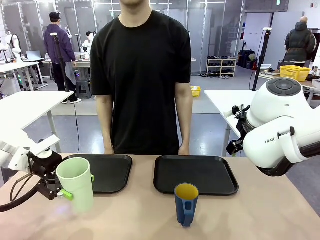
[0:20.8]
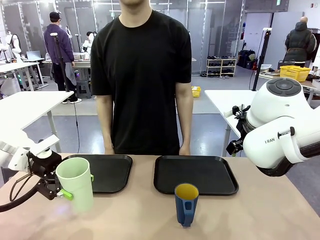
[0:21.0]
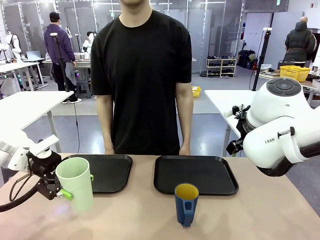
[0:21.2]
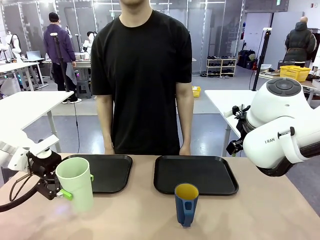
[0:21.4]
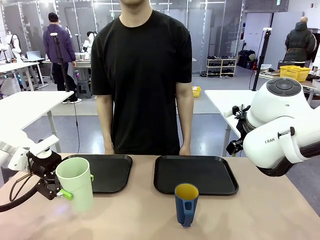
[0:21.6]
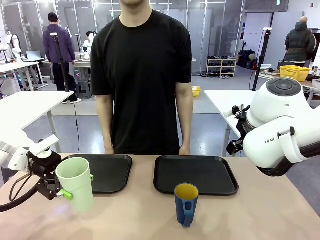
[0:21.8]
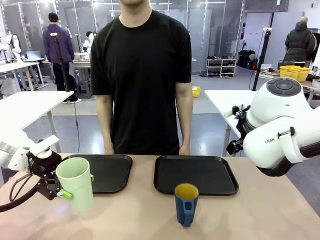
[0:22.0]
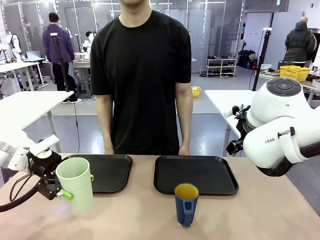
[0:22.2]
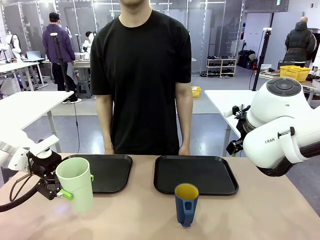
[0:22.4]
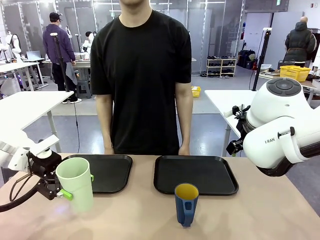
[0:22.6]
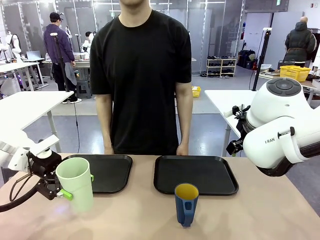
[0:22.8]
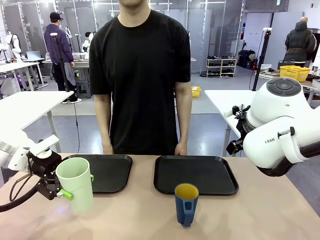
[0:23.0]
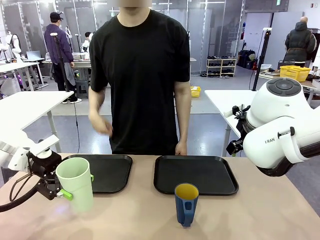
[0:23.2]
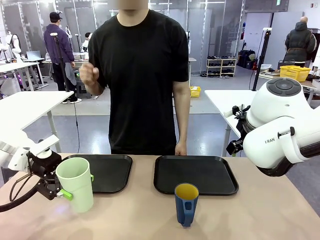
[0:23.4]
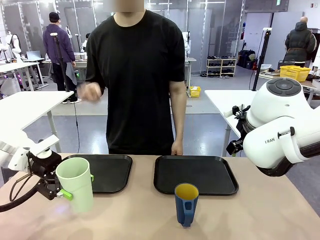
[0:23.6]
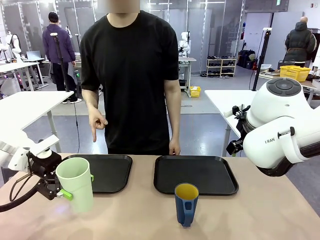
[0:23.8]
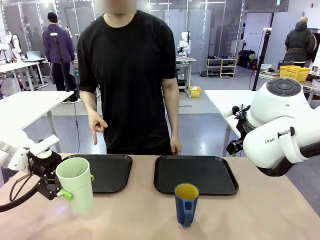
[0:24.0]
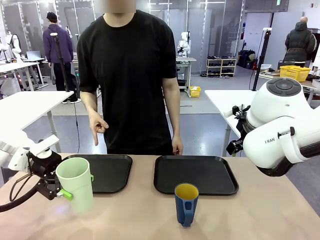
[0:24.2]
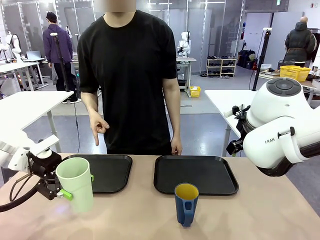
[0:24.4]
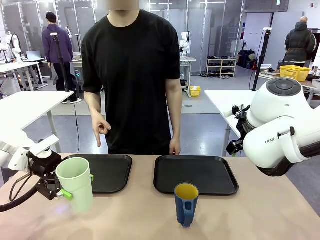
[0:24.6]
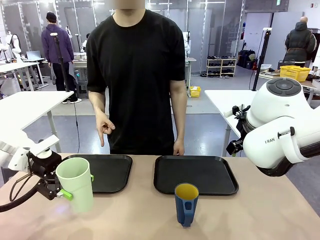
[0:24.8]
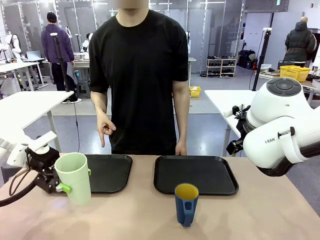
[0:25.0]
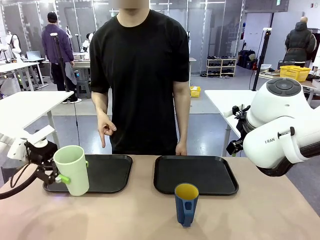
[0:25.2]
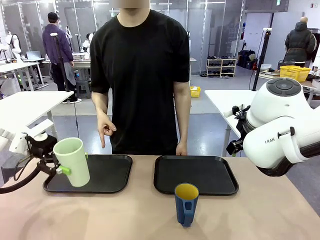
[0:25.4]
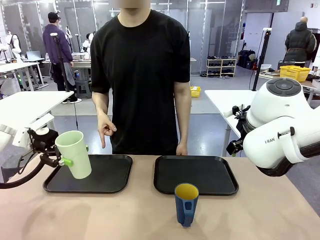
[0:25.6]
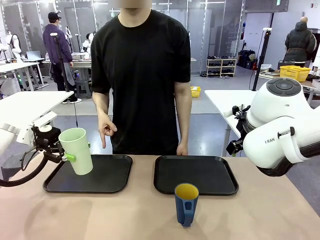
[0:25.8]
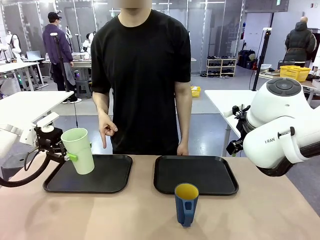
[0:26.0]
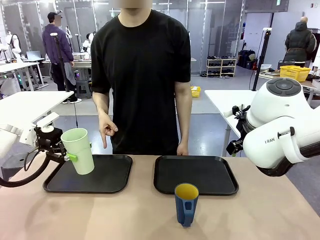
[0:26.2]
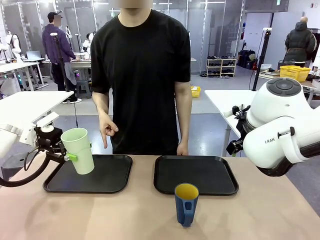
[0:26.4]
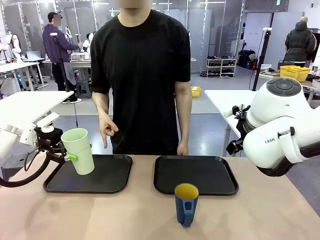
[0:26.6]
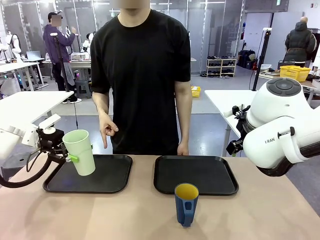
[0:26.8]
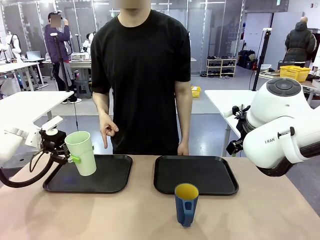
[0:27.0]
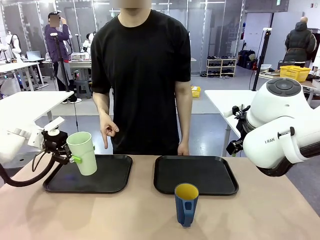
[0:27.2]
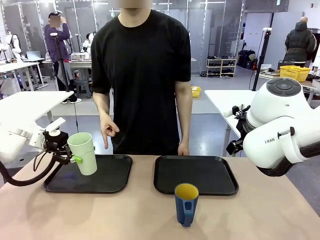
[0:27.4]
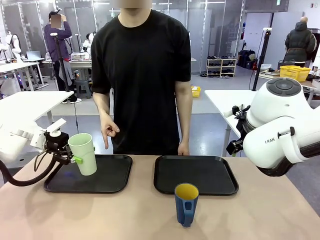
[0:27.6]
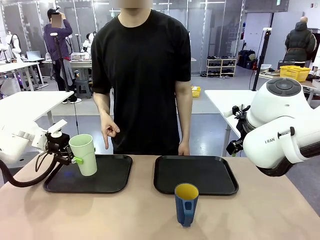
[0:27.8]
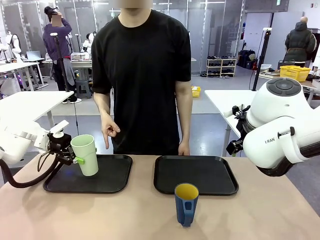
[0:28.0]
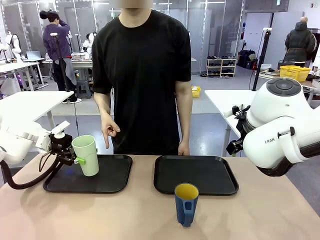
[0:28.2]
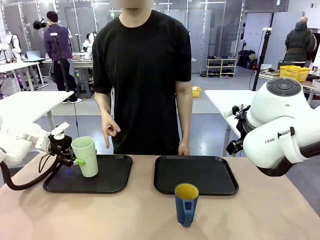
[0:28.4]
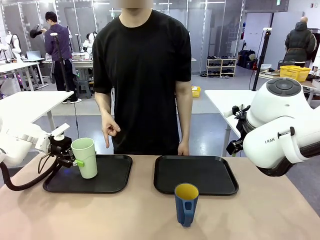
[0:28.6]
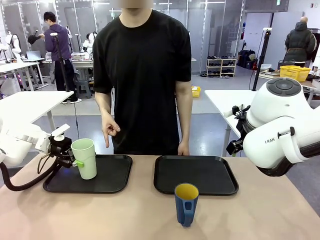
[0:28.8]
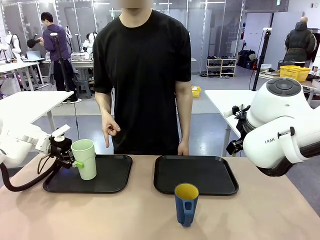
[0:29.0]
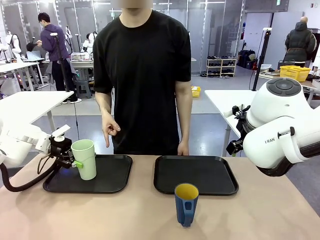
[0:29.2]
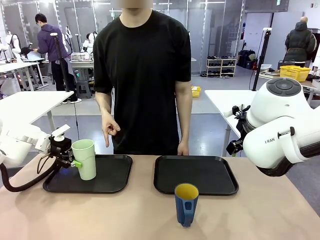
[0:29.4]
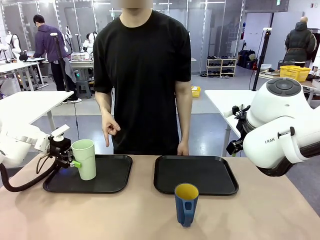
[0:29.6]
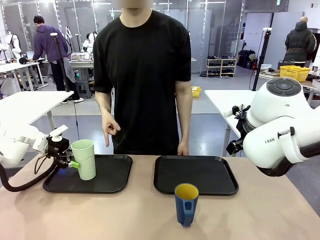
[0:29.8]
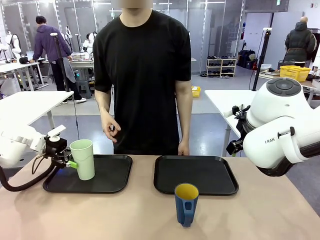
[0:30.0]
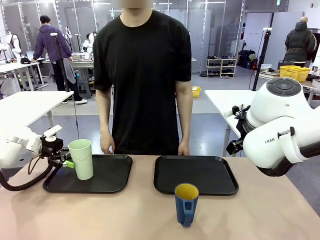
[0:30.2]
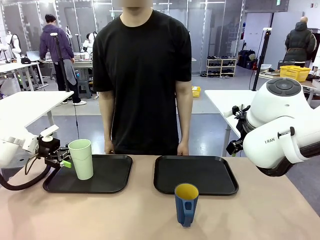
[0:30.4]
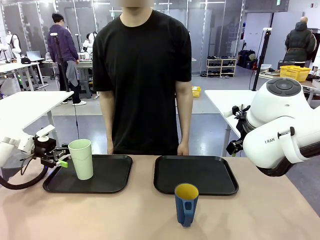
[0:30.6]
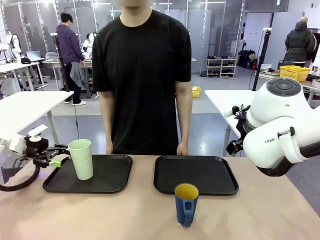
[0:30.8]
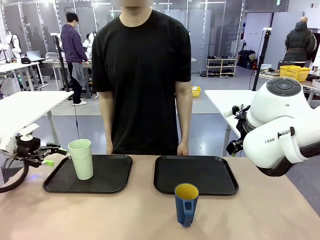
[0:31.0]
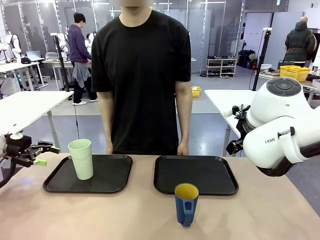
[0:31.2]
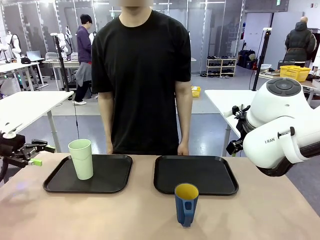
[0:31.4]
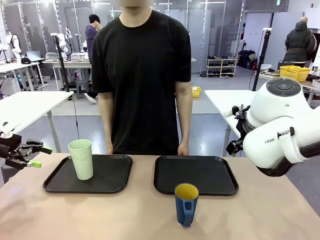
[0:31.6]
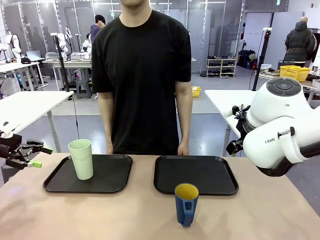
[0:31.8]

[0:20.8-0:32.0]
Task: Sort and store the cups by type.
Robot: Place the picked Reusable plastic cup into the Flat Tray indicated by the person.

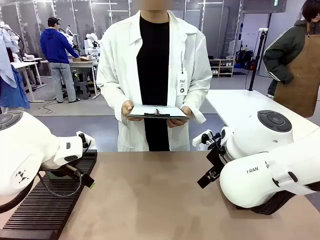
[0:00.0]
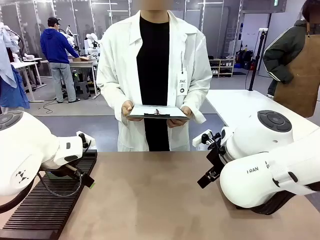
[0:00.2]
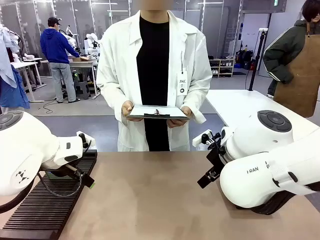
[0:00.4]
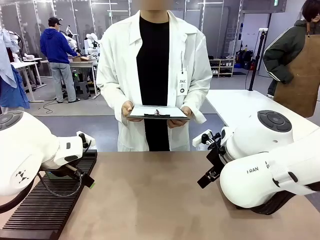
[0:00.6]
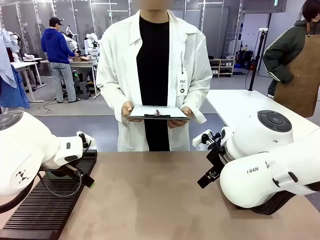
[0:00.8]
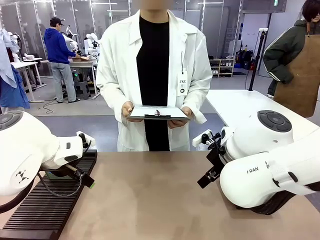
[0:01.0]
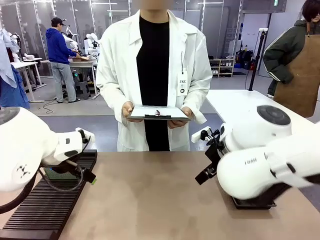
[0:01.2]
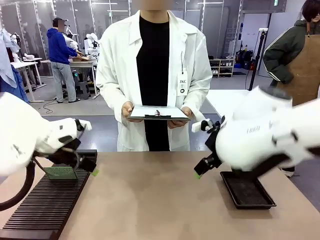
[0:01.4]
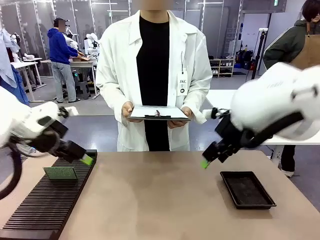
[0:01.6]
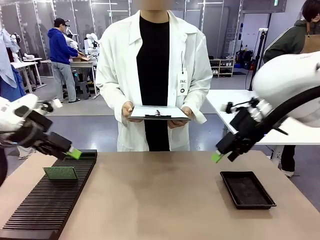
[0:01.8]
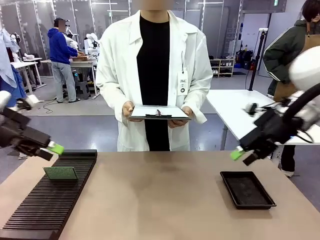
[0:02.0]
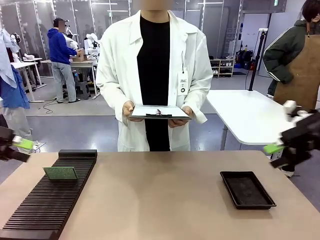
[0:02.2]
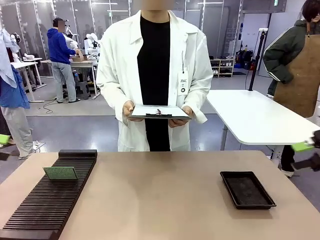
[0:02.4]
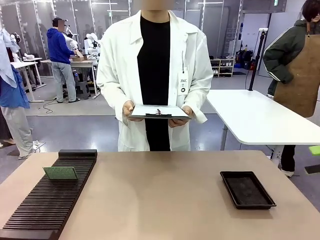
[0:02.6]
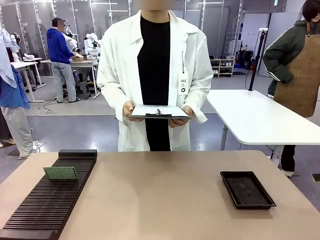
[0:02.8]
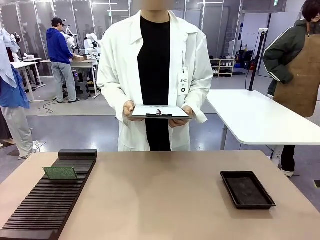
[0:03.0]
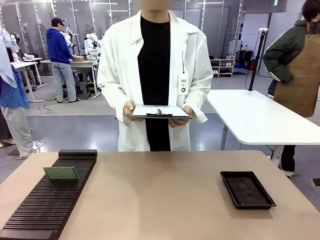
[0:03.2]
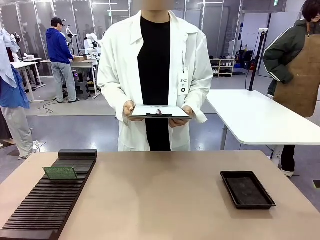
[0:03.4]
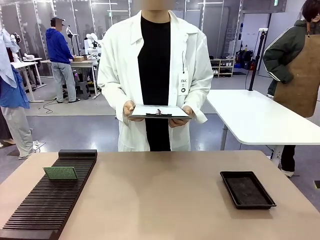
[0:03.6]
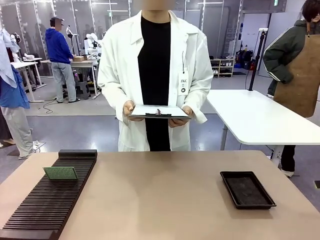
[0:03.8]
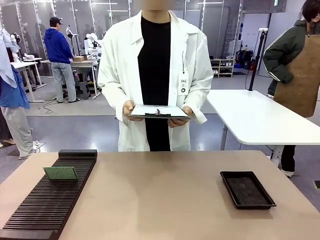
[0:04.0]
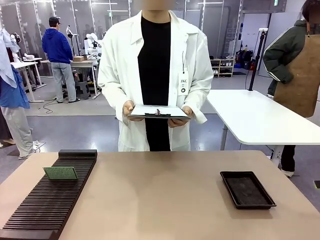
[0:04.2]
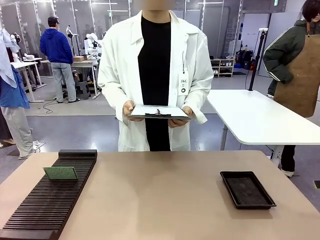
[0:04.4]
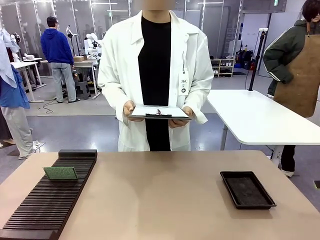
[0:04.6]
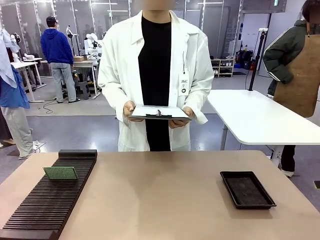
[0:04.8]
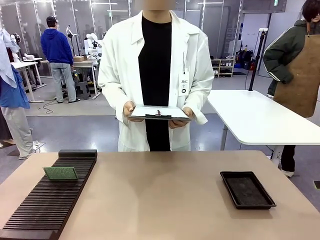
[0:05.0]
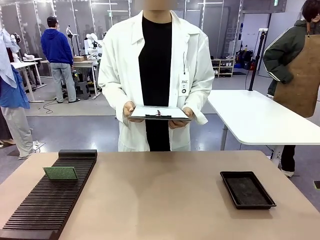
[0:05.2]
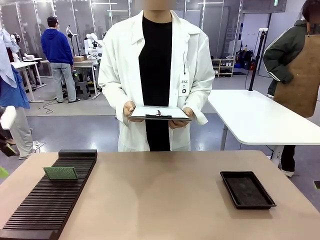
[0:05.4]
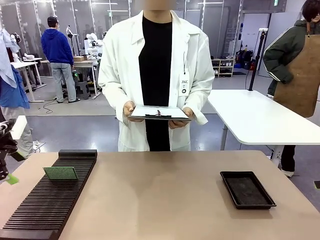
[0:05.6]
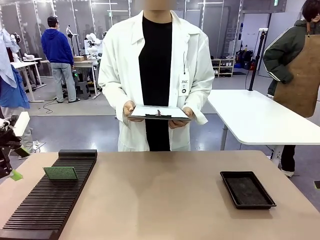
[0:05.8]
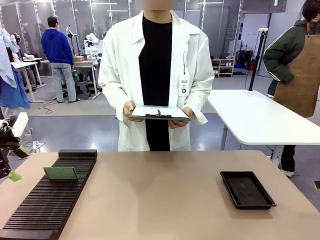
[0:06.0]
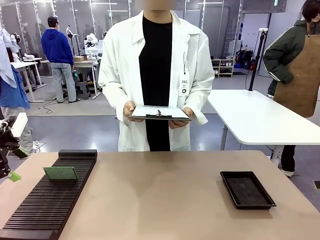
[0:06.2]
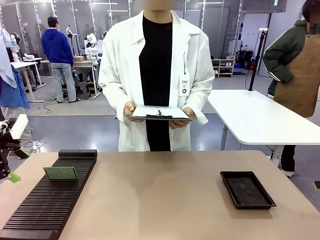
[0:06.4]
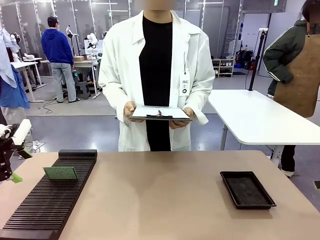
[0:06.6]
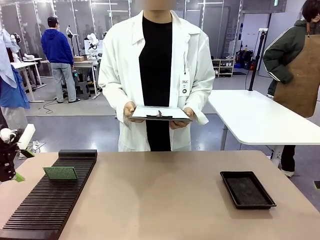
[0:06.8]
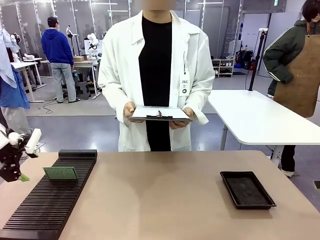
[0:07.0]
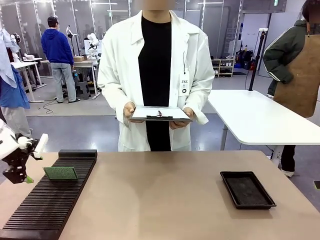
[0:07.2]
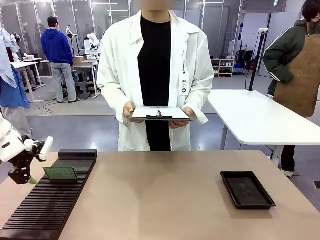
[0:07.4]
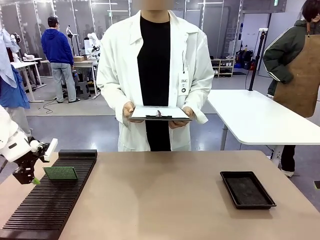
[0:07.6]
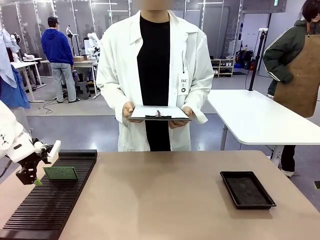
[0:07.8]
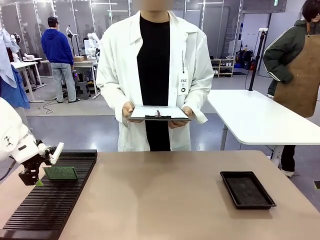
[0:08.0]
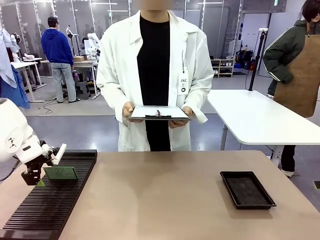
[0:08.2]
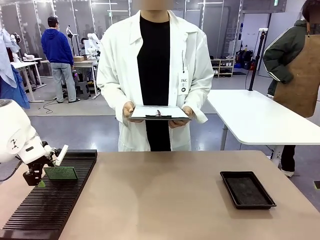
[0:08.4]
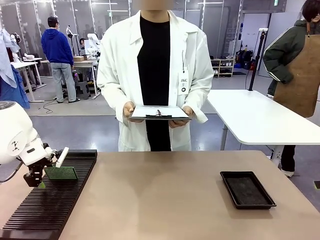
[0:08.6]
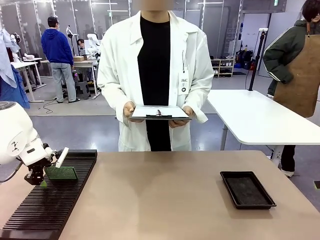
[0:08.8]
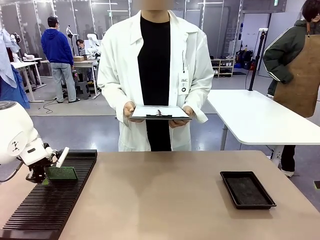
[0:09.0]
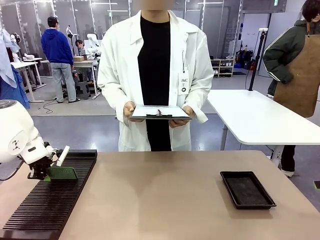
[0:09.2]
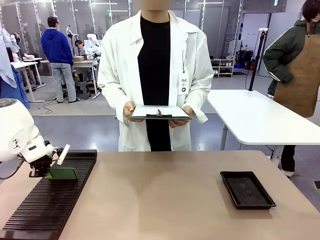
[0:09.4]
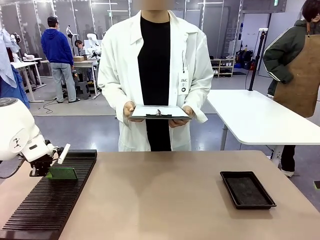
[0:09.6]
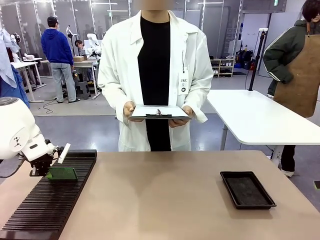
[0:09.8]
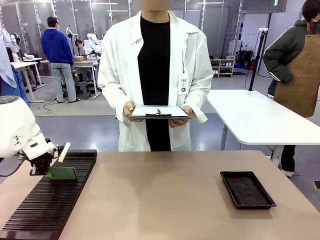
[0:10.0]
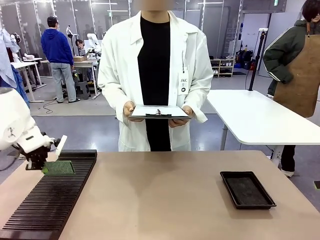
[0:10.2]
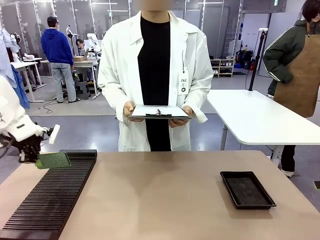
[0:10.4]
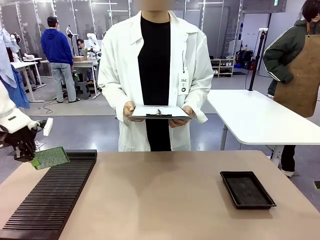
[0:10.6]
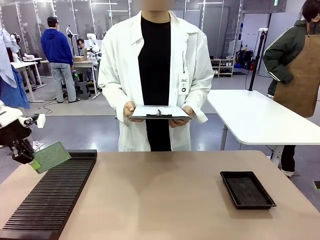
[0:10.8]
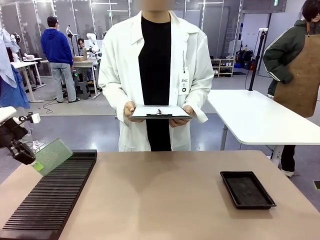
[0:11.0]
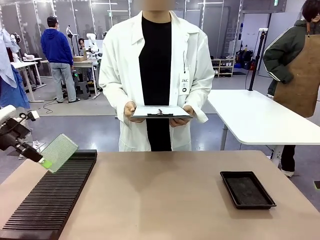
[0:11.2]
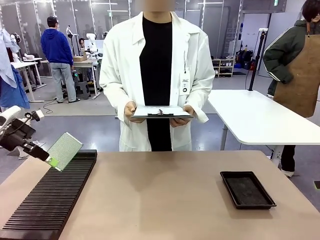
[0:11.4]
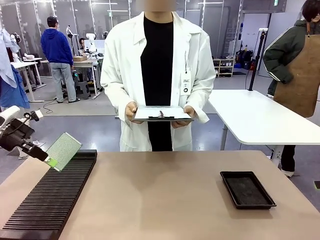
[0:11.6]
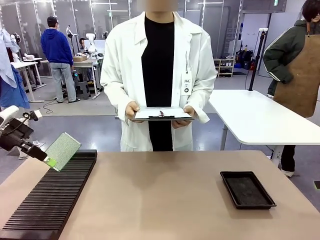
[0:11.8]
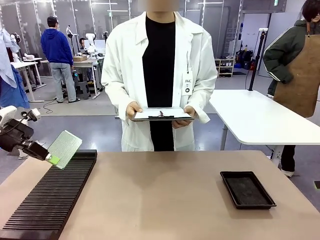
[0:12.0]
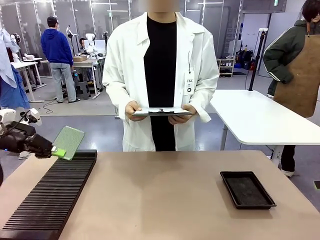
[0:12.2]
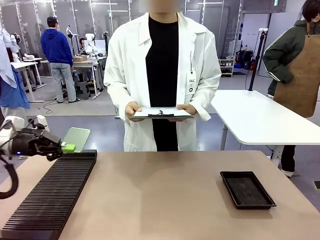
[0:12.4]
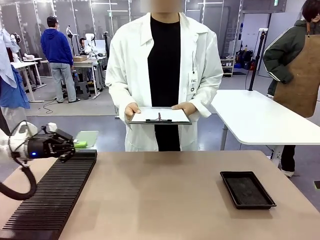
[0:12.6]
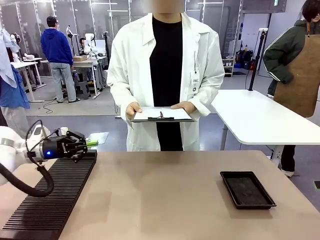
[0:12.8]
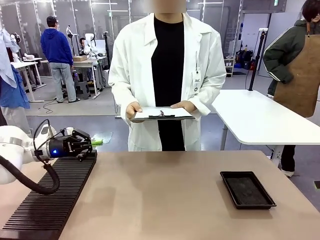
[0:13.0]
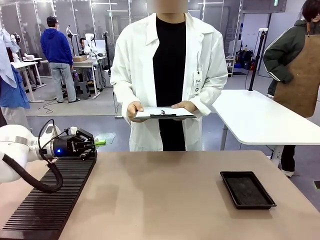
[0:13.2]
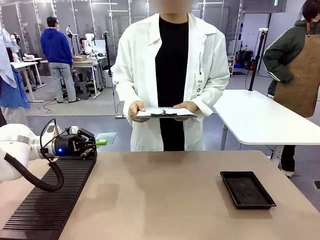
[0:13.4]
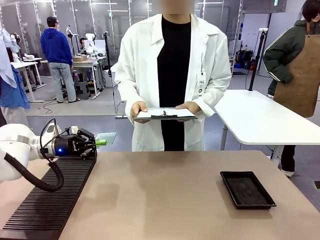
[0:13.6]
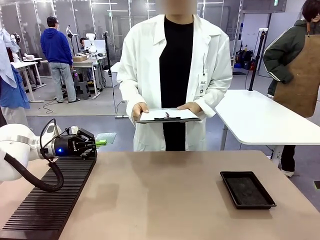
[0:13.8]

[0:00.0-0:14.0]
Task: Inspect the PCB.
Robot: Pick up the Blank PCB and present it to the human.
Person: Pick up the PCB presented by the robot.
